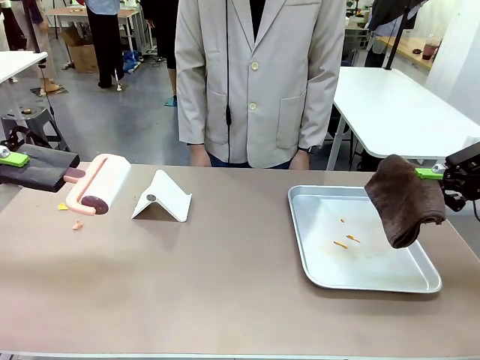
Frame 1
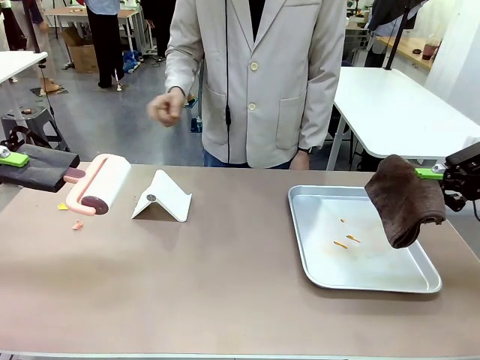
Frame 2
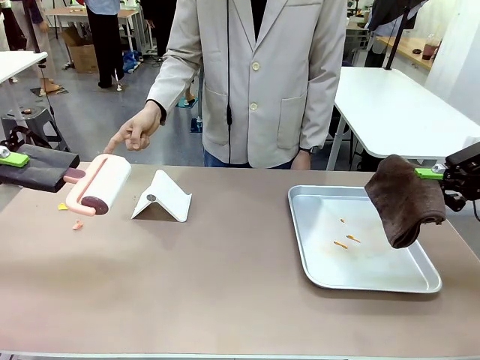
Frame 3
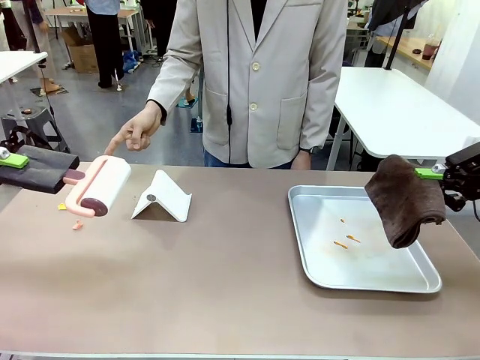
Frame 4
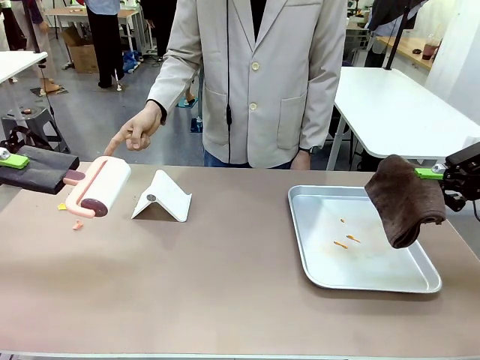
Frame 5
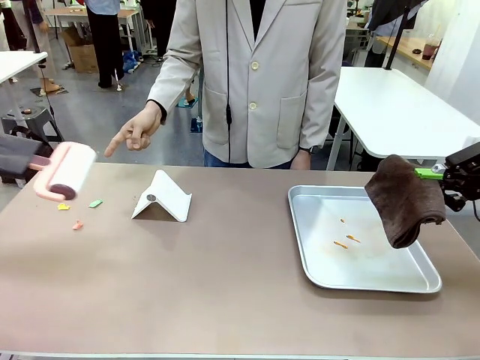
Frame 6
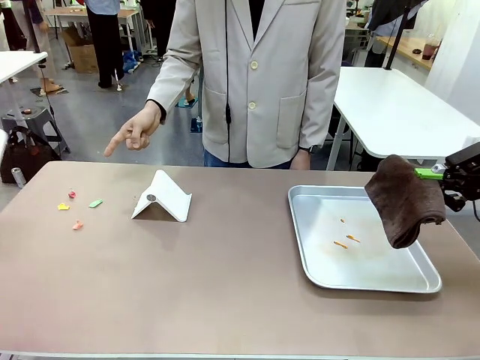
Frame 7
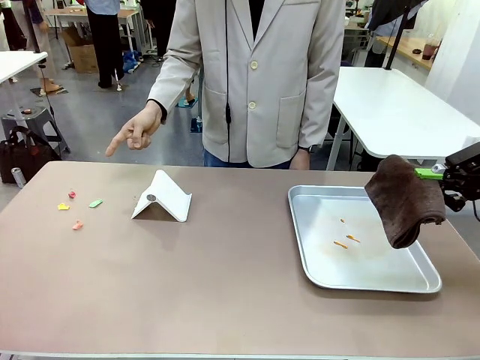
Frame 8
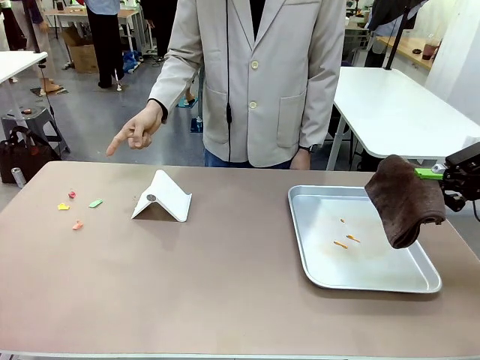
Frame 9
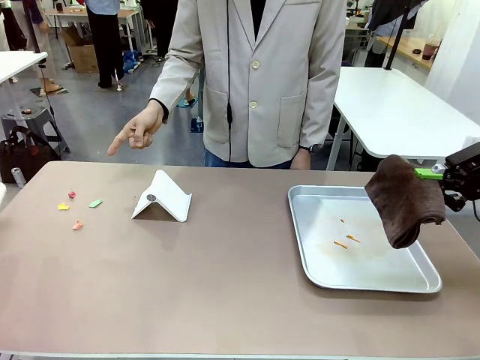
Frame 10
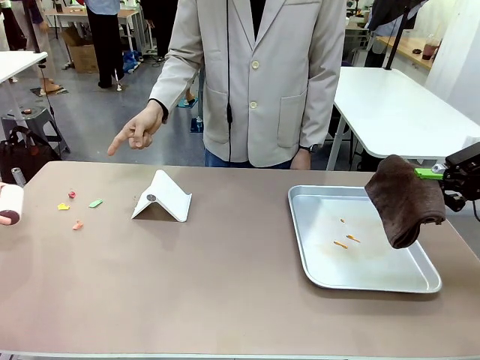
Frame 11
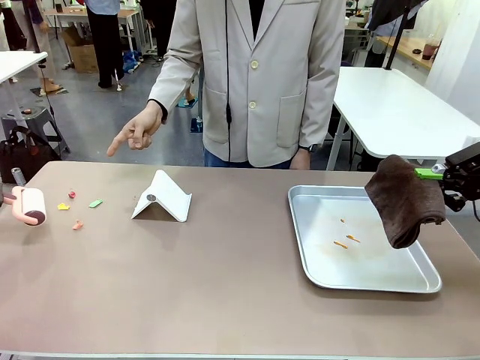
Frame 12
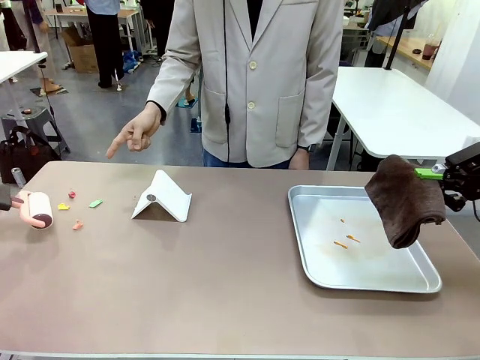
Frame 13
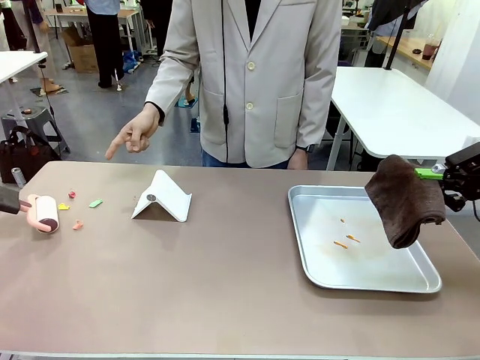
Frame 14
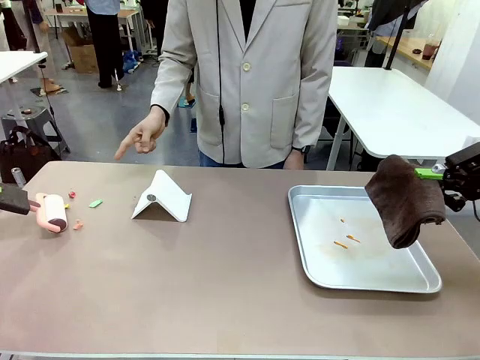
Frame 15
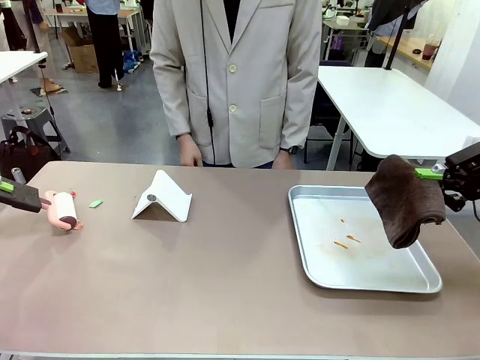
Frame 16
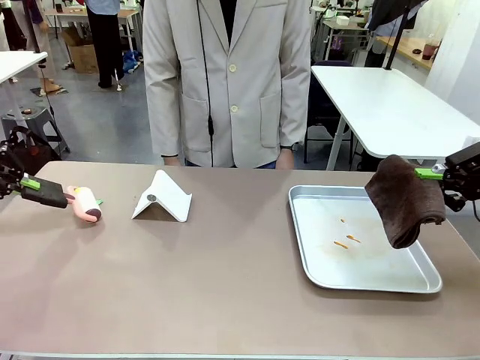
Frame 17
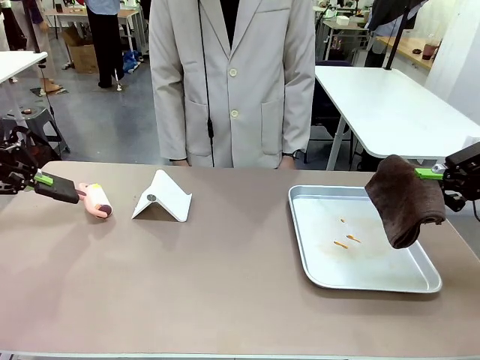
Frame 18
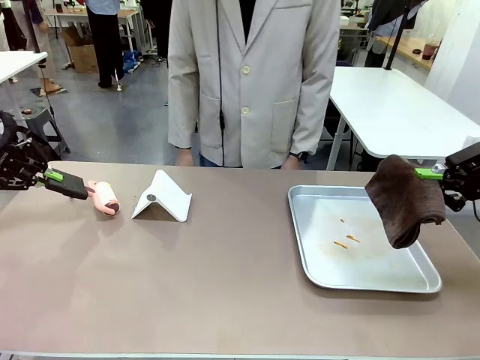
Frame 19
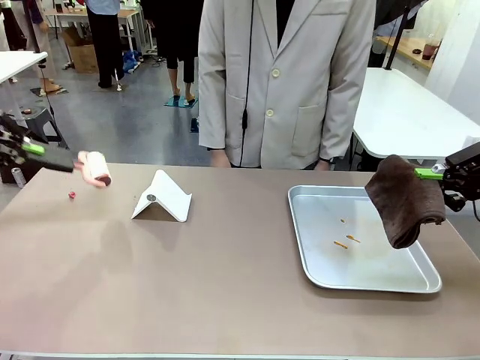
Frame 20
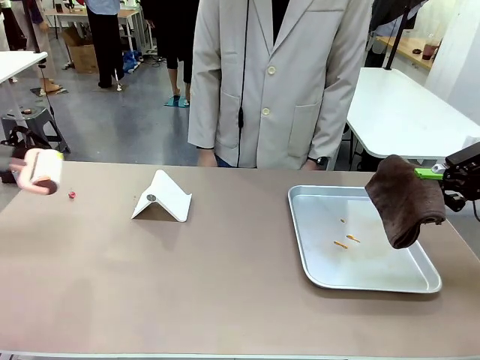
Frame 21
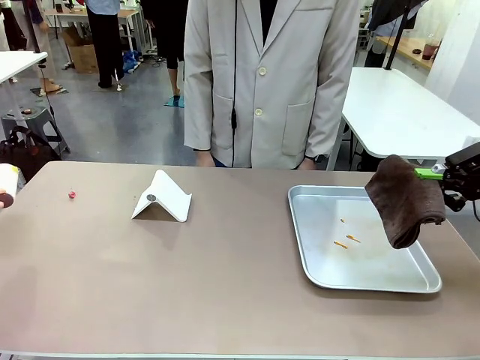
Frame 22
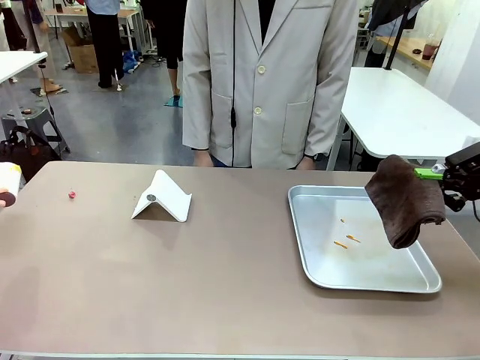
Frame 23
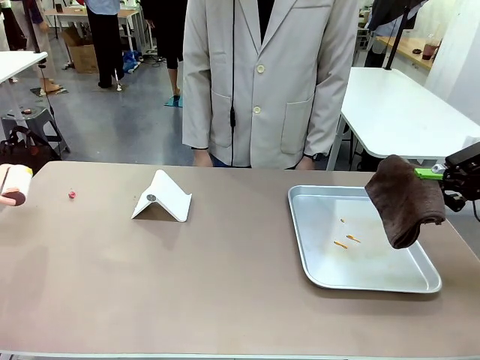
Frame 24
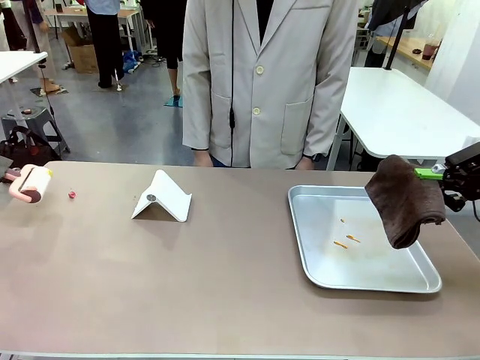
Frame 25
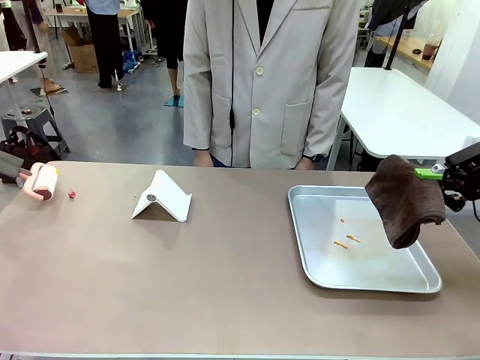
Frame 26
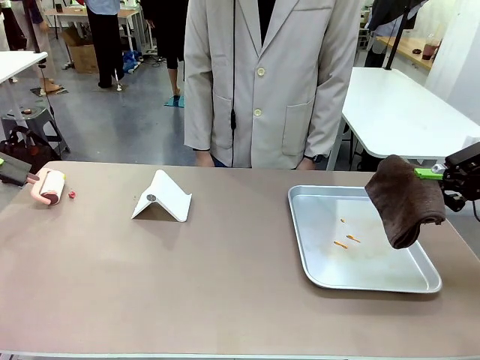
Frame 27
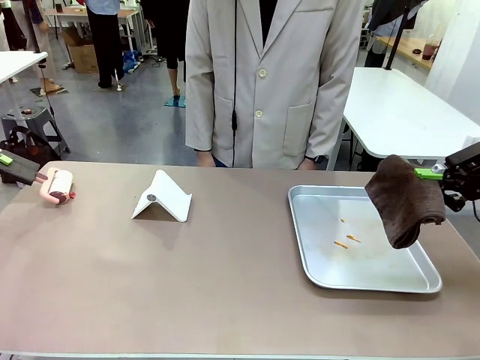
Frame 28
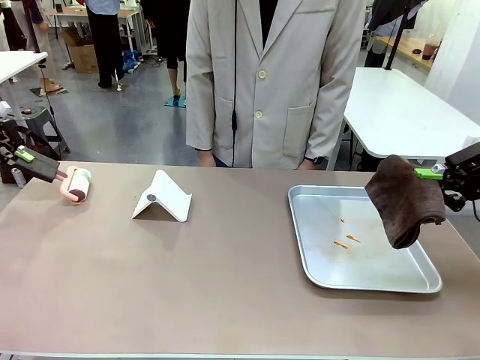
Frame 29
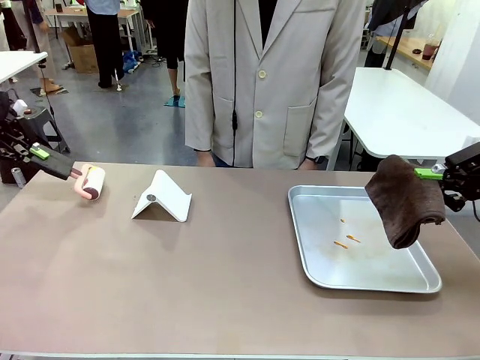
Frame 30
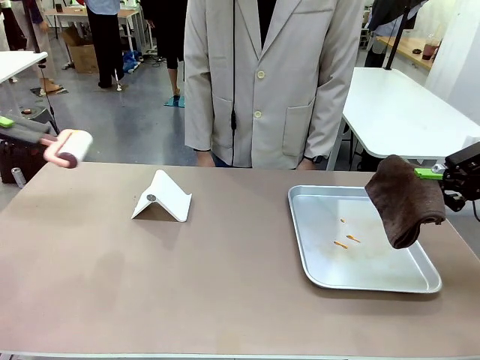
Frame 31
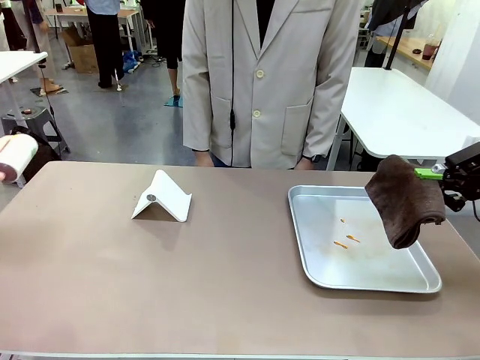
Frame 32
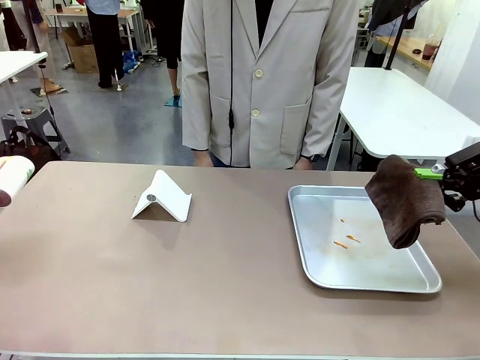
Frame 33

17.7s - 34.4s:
Task: Clean the surface of the table.
Robot: If a person points to the right, clean the right side of the table with your right hand, and if they point to the left, clean the left side with your left hand.

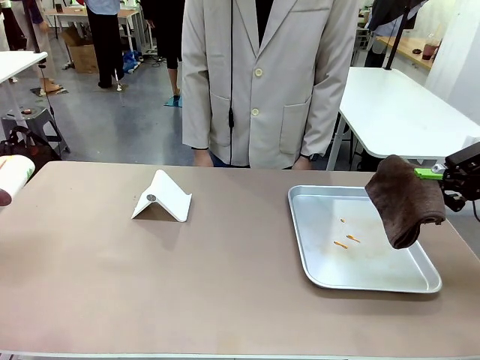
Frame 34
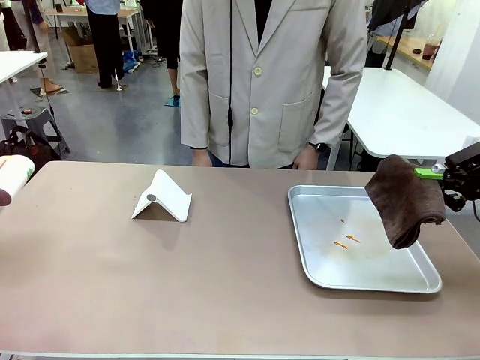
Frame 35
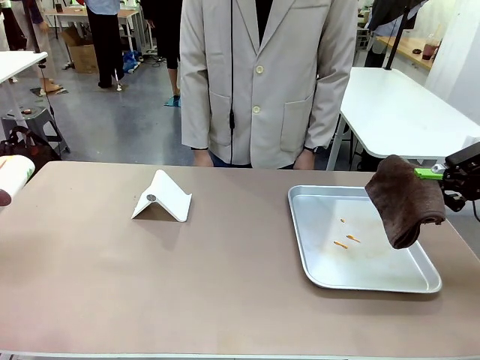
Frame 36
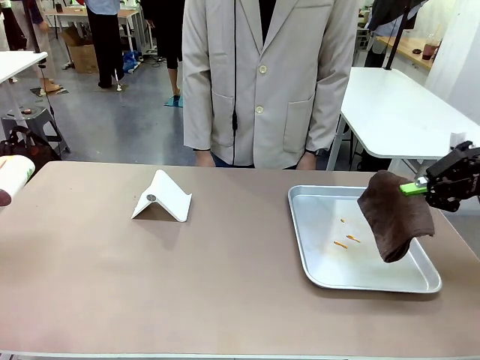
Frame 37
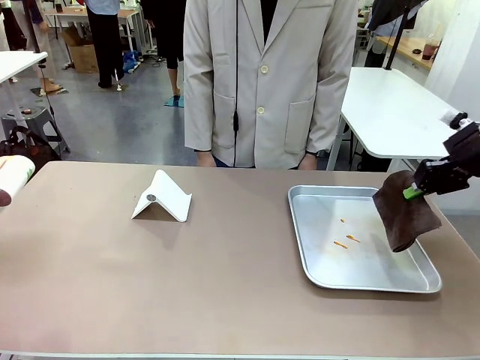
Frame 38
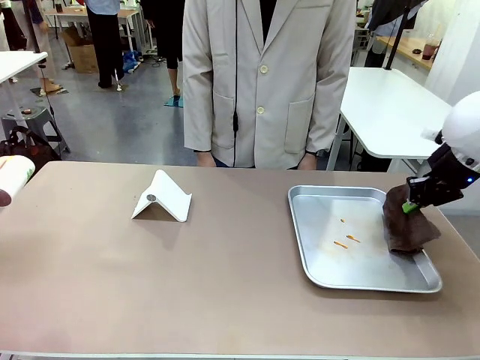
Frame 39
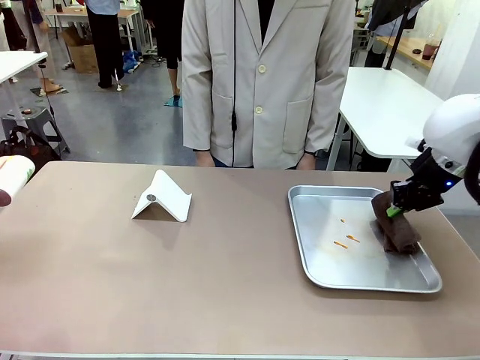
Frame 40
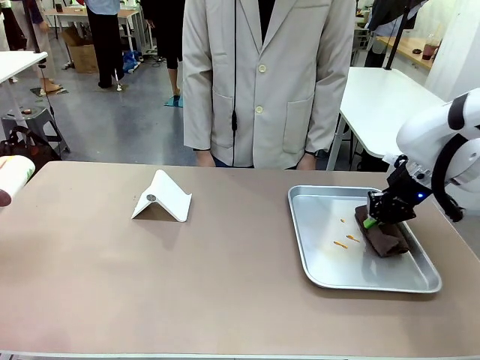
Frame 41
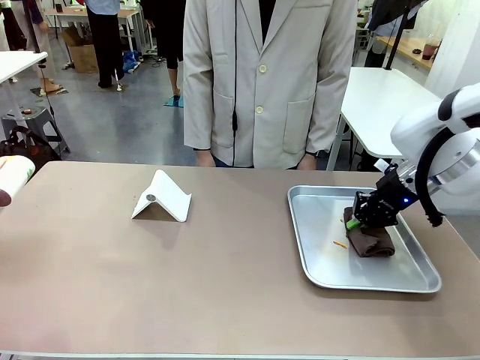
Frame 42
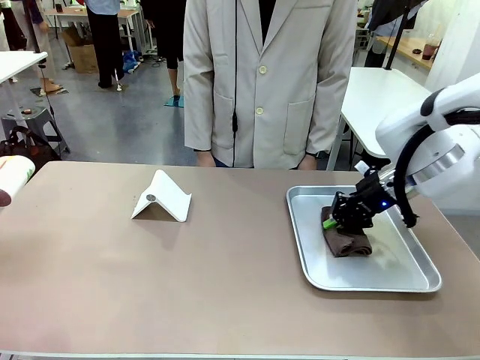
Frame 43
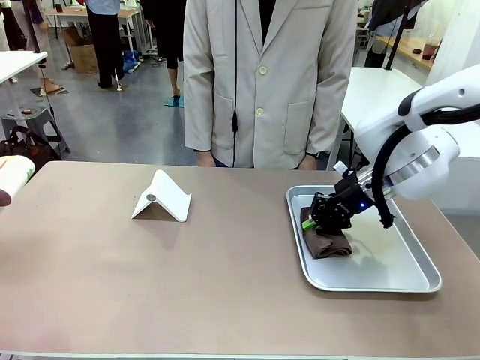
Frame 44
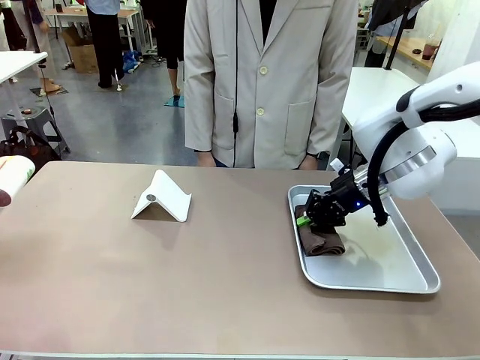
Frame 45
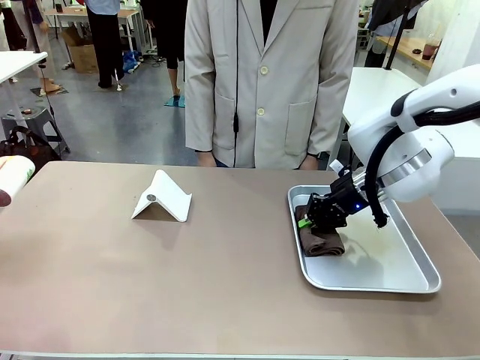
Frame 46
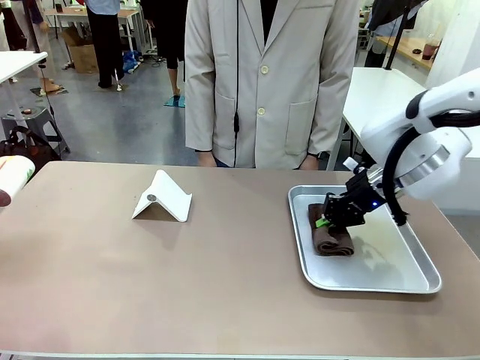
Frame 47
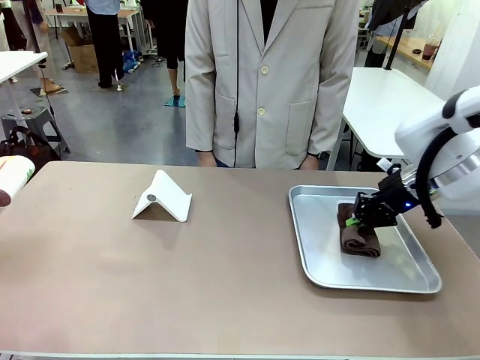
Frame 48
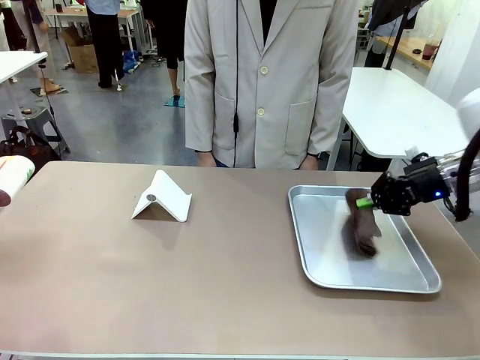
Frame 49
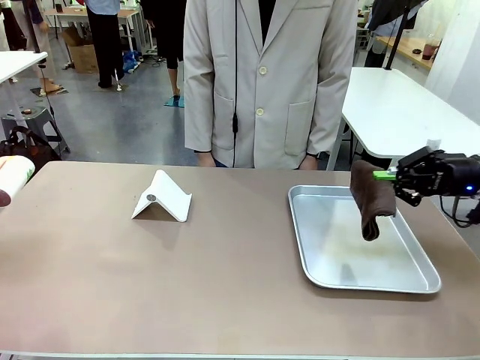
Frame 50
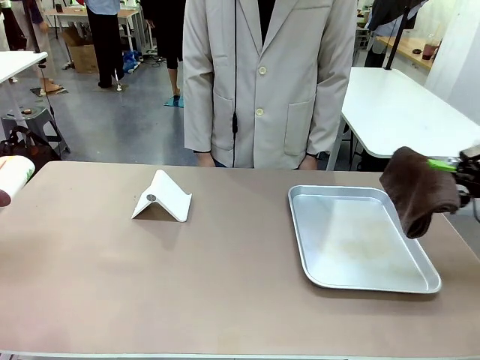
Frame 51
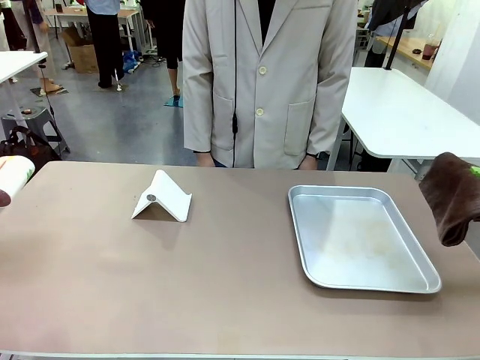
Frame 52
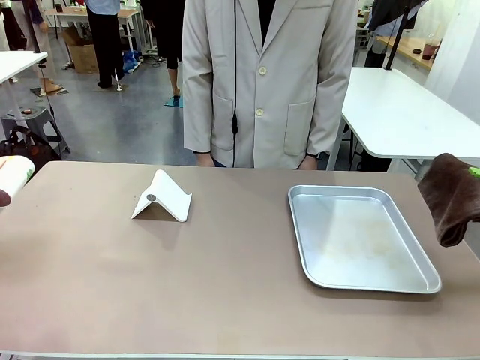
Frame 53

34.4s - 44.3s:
Robot: Clean the area not pointed to by the person.
